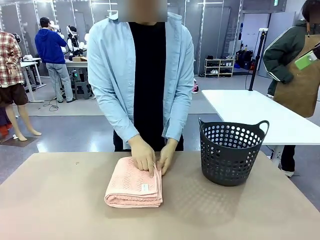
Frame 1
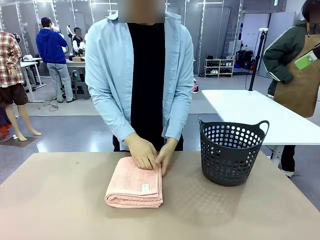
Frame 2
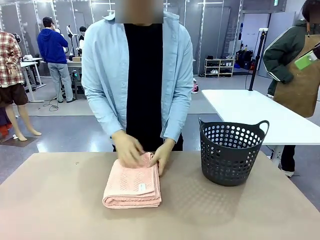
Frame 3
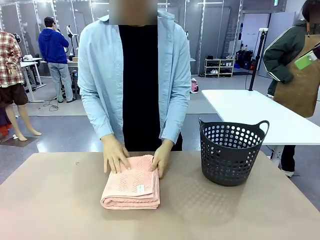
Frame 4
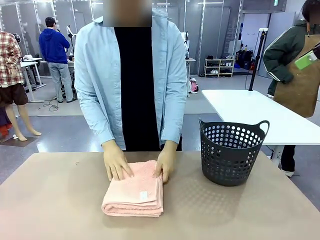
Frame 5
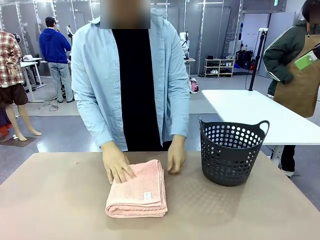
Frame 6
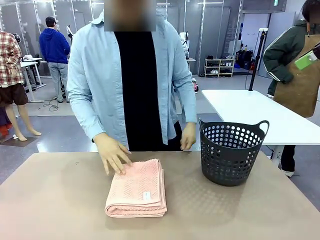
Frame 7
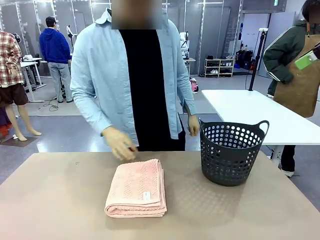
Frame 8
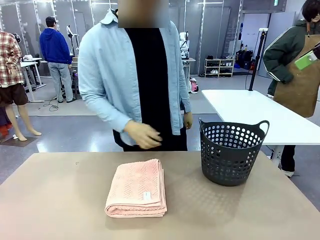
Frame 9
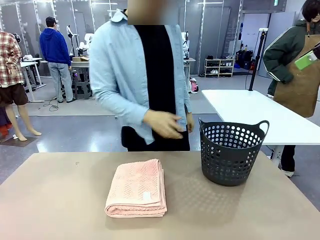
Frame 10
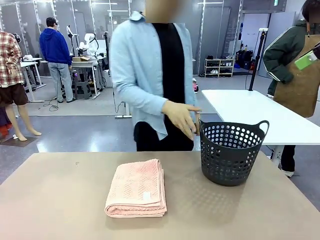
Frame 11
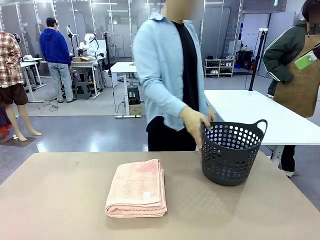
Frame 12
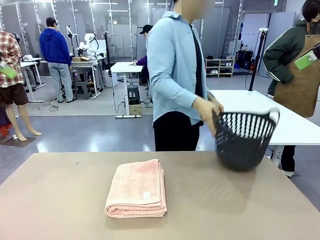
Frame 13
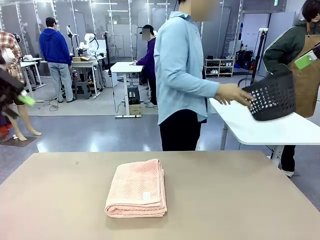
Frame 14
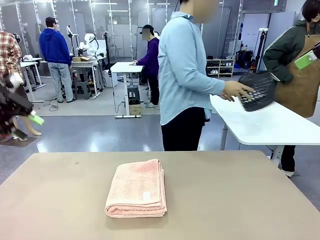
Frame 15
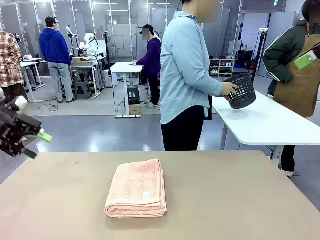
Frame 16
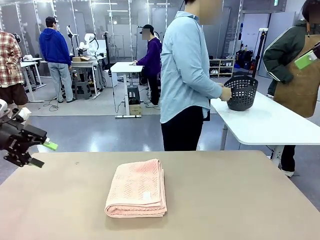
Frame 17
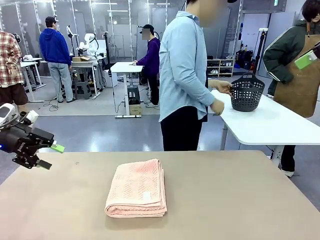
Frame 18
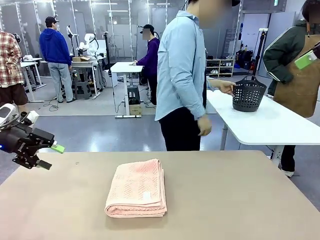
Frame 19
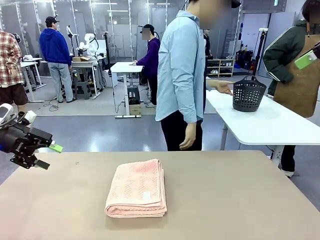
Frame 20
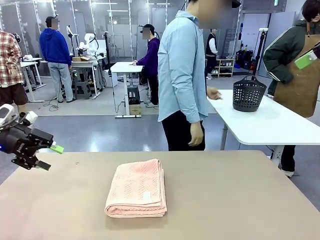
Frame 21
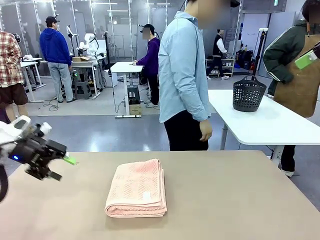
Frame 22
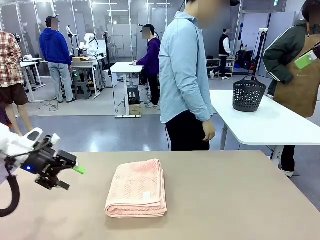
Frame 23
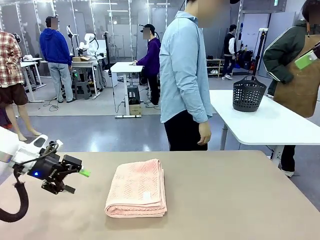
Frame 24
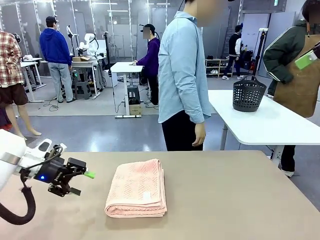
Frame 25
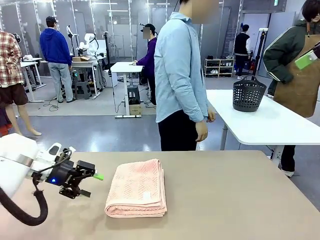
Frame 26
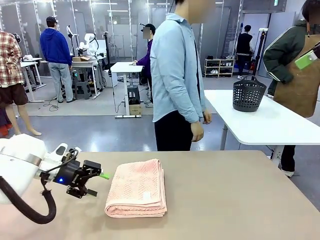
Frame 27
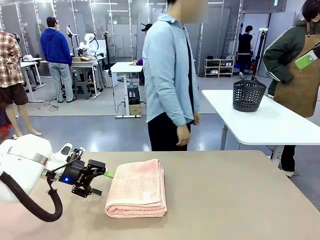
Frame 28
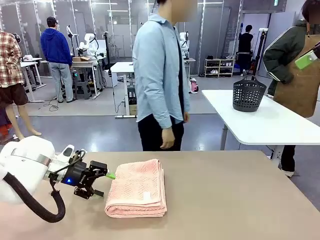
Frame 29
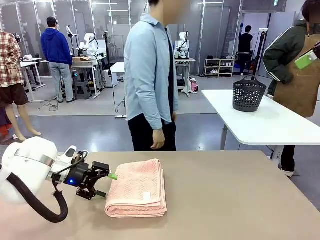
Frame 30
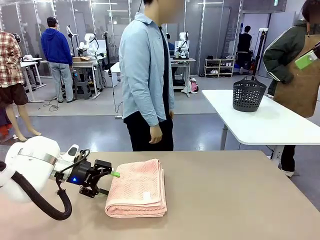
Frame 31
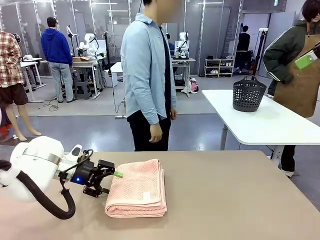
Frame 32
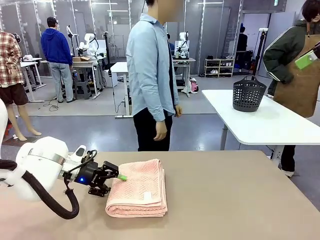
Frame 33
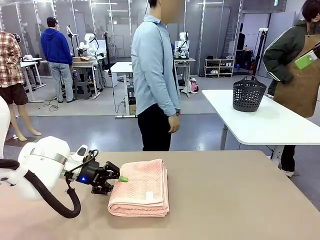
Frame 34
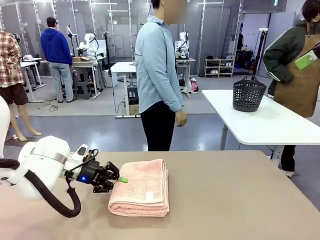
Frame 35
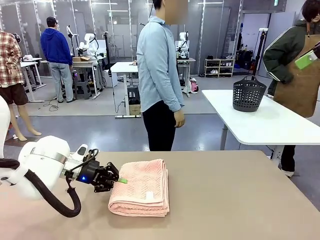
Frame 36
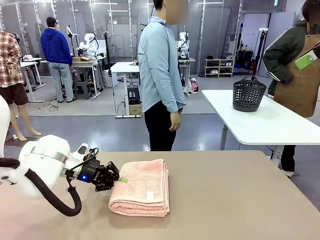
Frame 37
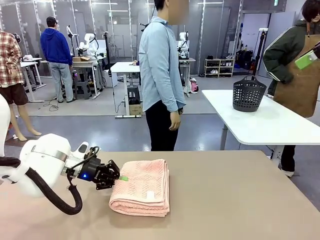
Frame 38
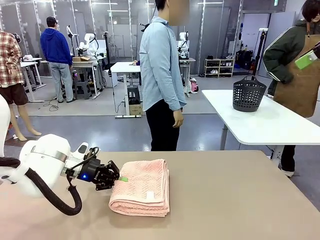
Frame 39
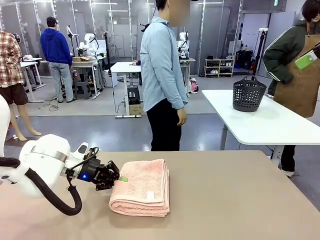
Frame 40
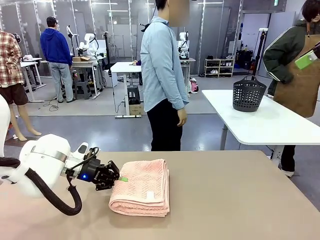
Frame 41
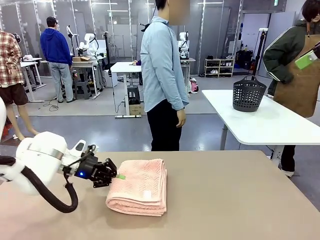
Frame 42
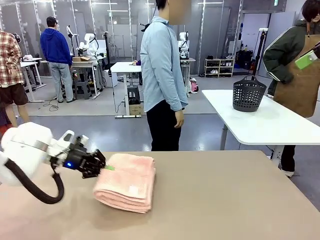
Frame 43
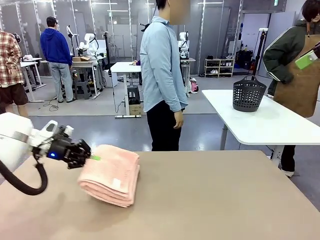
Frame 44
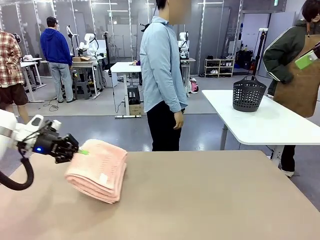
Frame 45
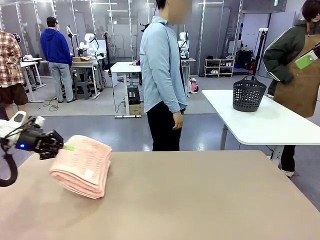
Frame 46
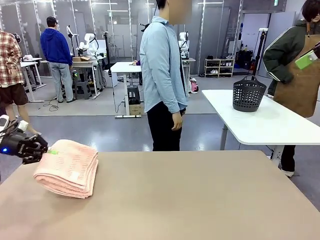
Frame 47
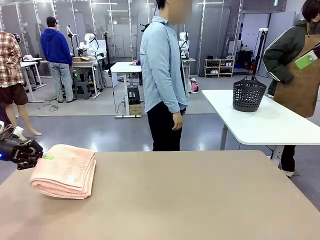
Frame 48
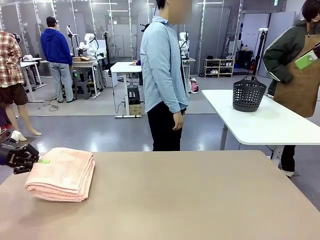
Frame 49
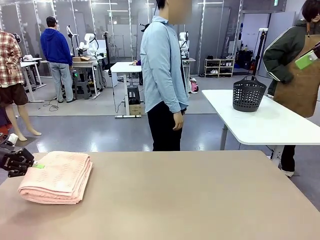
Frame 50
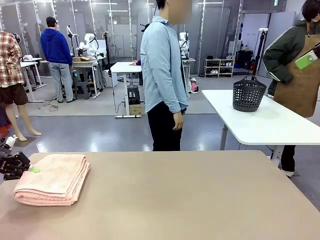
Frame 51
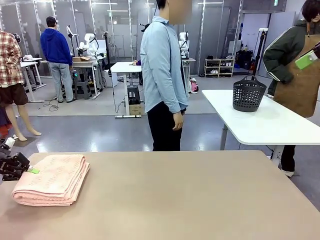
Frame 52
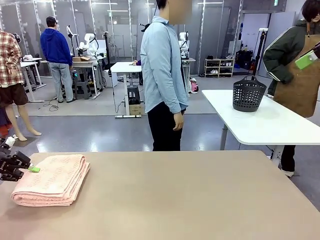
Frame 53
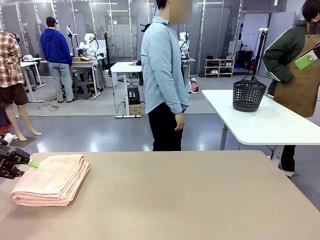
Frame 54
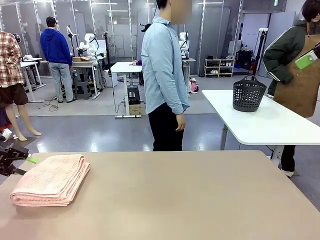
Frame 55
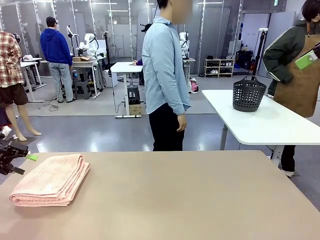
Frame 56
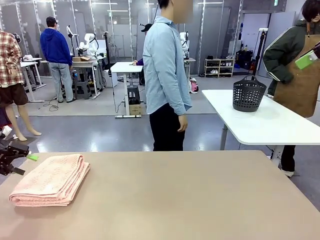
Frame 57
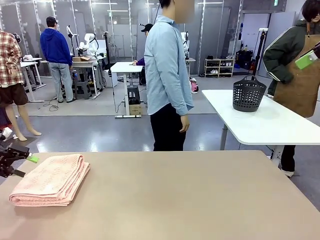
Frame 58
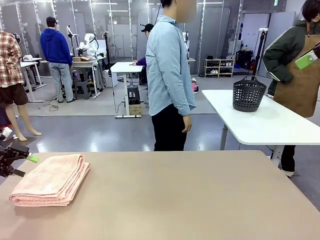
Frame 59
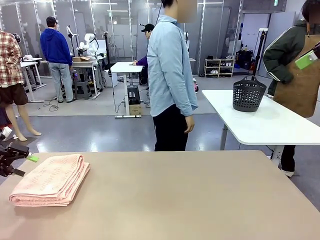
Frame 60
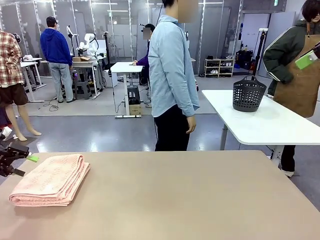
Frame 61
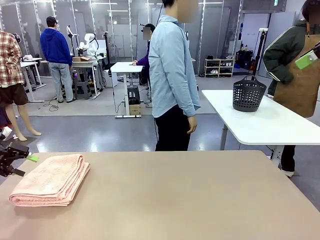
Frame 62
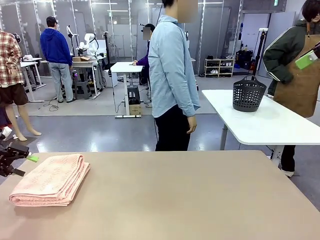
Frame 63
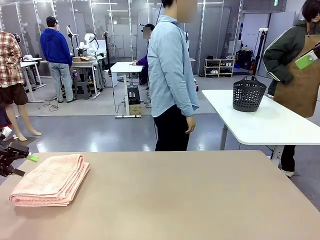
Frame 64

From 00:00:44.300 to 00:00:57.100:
Task: Fold the towel.
Robot: Pick up the 100 cm Hotel Towel and place it on the left side of the table.
Person: Pick up the laundry basket and place it at the center of the human table.

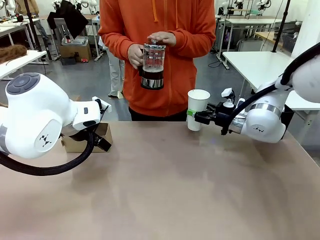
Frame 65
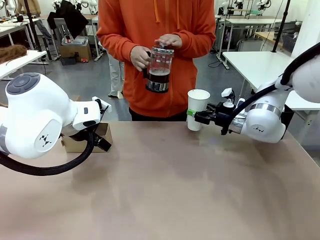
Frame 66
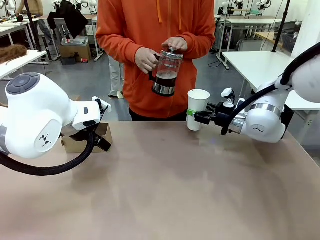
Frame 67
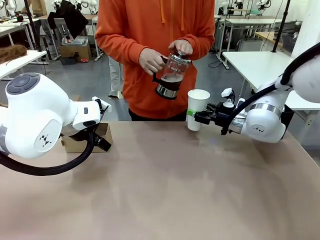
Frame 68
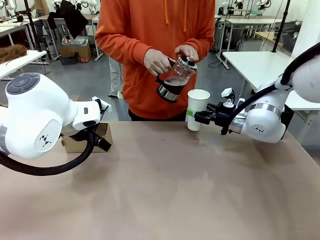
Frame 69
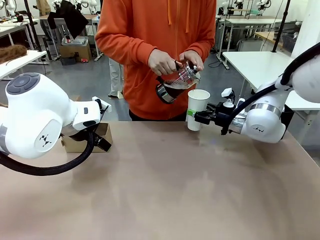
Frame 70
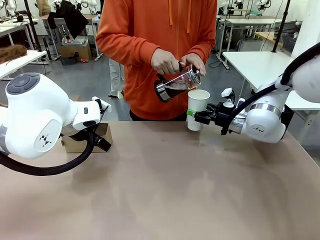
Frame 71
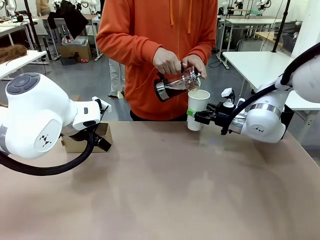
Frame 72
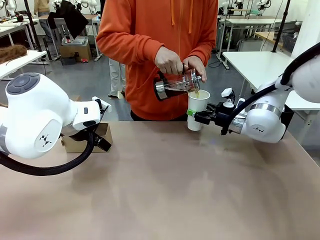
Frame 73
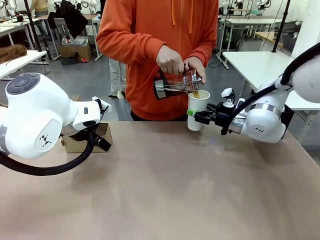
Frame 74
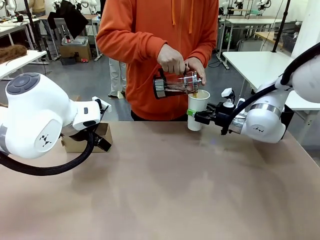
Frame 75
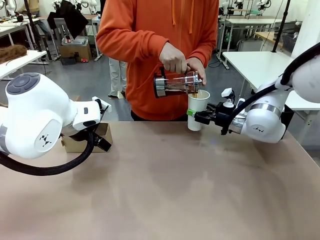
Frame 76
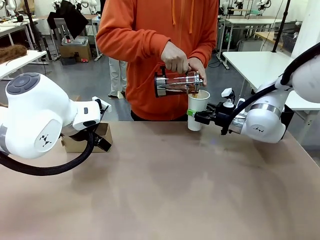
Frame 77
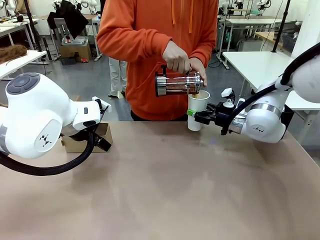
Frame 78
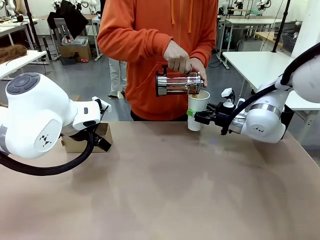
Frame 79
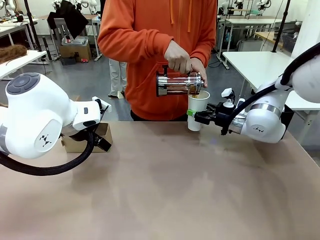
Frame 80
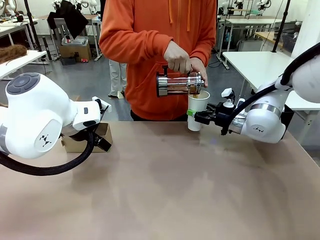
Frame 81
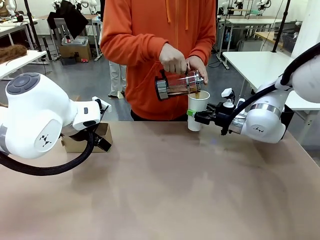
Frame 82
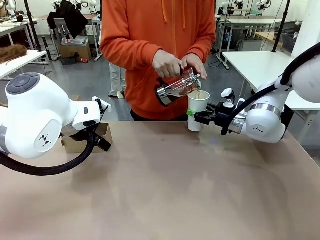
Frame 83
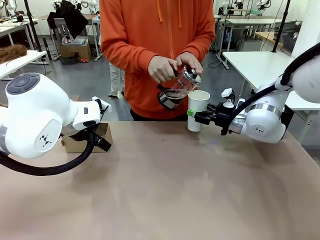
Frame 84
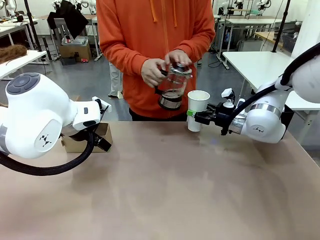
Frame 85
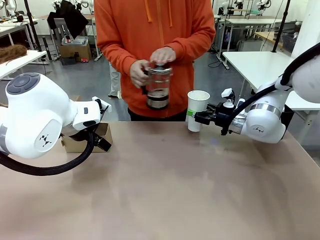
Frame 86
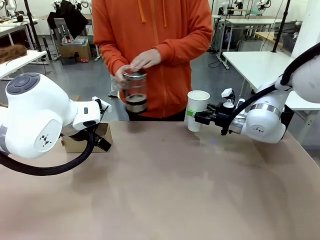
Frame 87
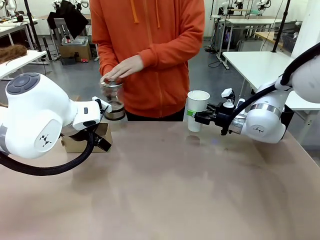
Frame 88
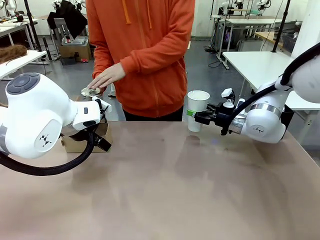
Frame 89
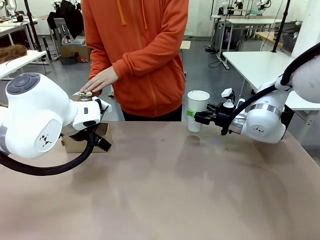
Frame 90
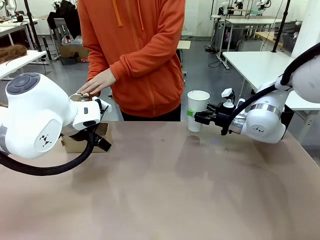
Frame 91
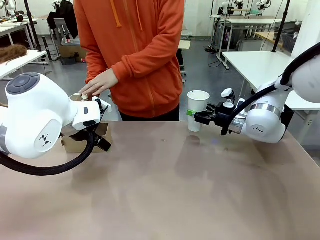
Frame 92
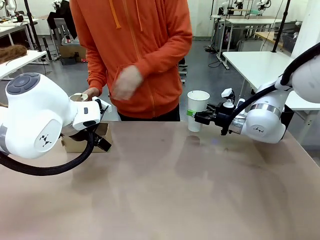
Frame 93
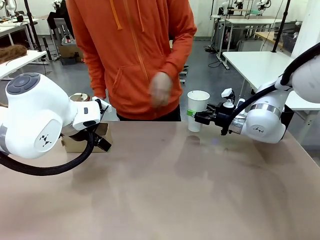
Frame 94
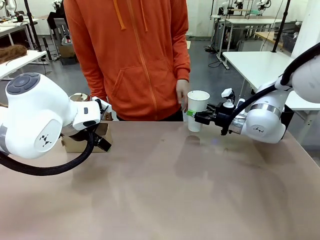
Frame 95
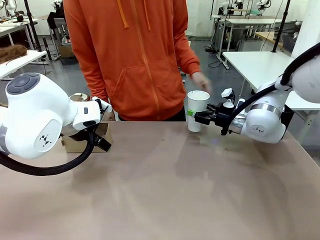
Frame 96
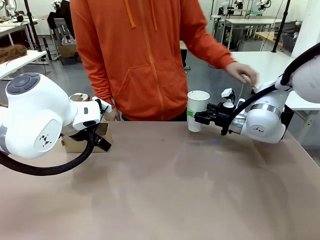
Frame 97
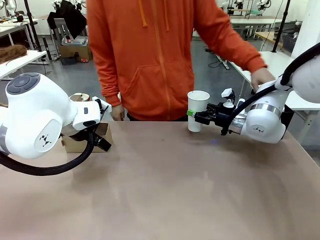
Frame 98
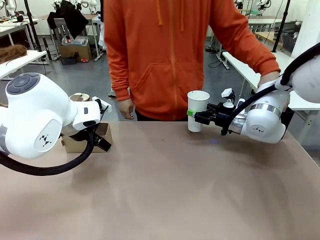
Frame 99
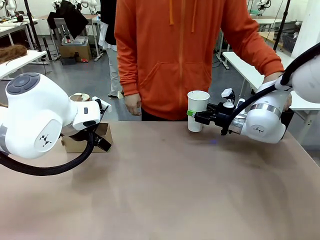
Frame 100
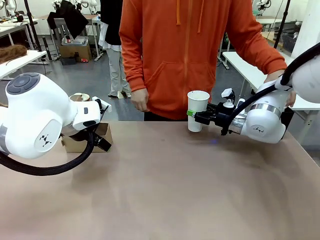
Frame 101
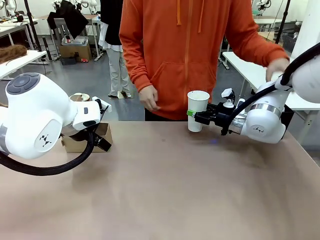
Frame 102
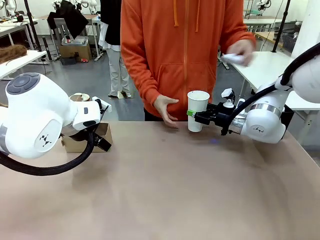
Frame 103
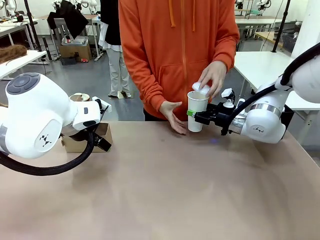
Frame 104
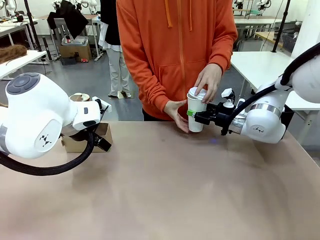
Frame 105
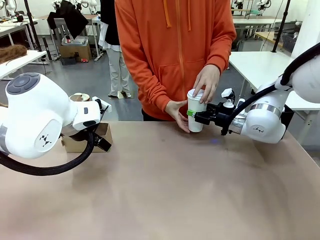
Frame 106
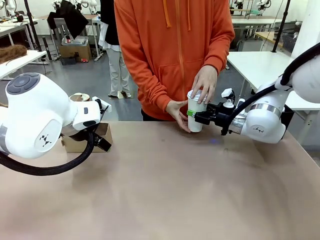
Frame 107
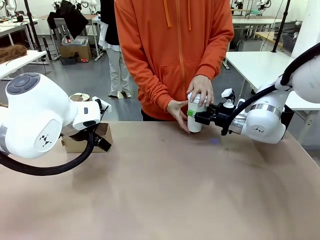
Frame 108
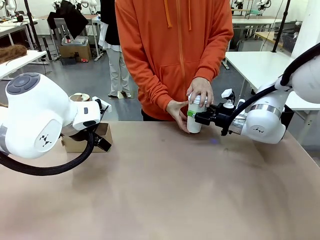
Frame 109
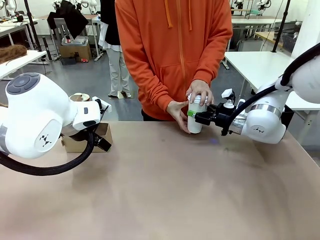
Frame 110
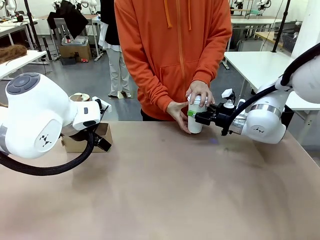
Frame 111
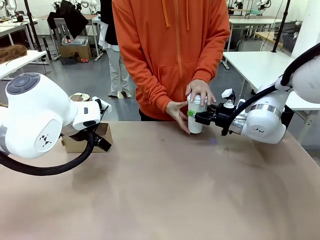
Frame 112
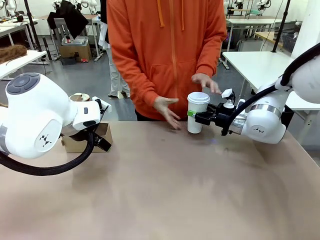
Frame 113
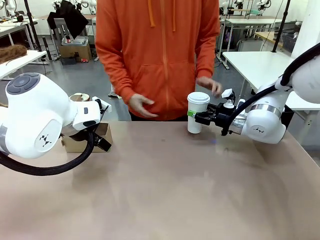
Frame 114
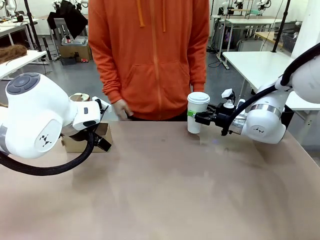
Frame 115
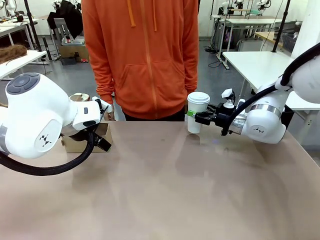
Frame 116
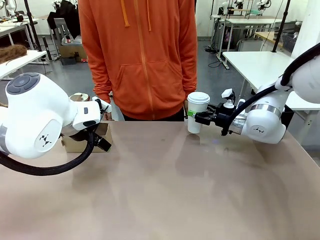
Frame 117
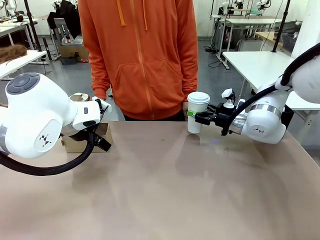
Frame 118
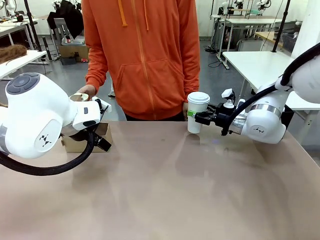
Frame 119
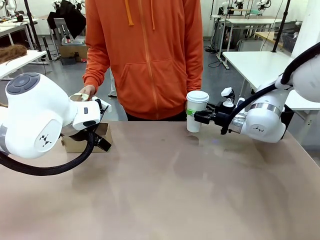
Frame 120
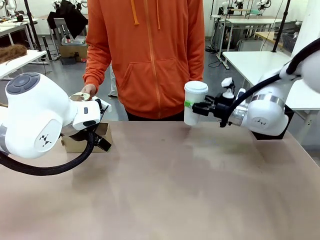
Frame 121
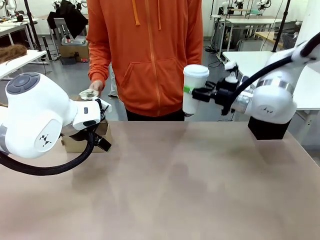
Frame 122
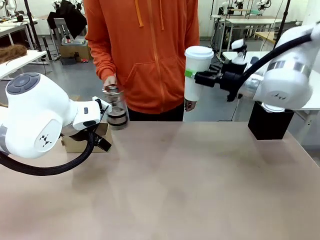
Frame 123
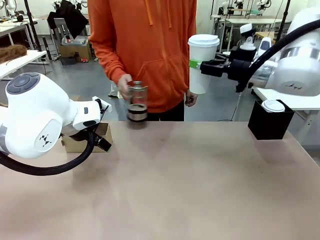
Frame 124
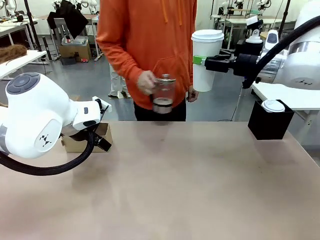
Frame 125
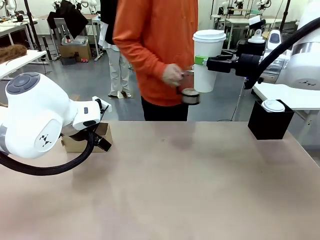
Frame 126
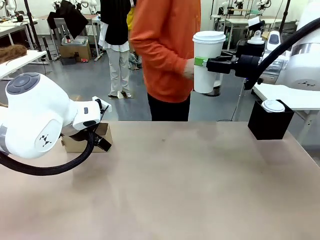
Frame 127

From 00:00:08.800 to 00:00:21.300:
Task: Pour a drink into a cup and package it in a carrier.
Robot: When a person places the Paper Cup Lid on the 600 ml Paper Cup , lift the 600 ml Paper Cup.
Person: Pour the drink from the Filter Brewing into the 600 ml Paper Cup. Place a Paper Cup Lid on the 600 ml Paper Cup.
